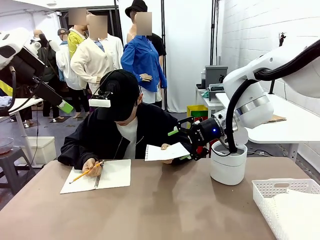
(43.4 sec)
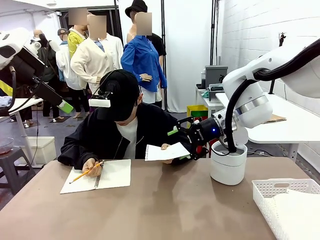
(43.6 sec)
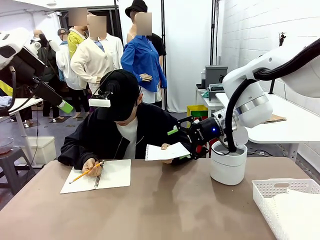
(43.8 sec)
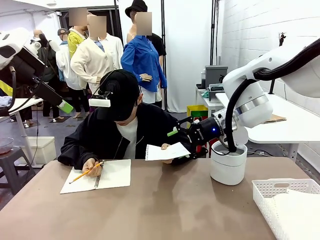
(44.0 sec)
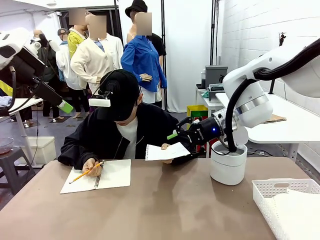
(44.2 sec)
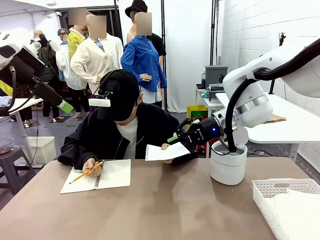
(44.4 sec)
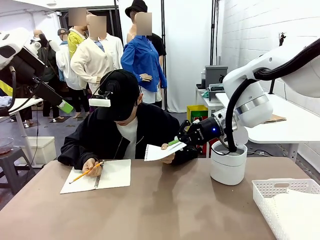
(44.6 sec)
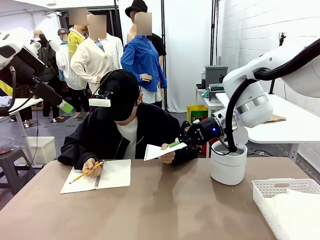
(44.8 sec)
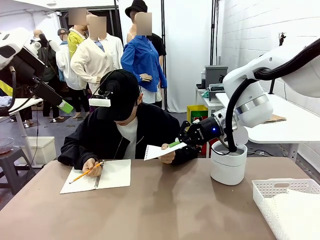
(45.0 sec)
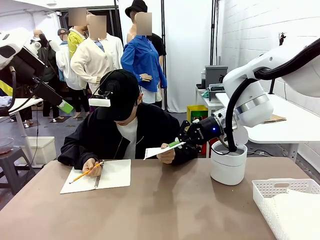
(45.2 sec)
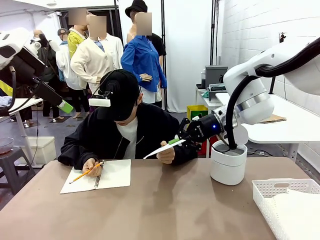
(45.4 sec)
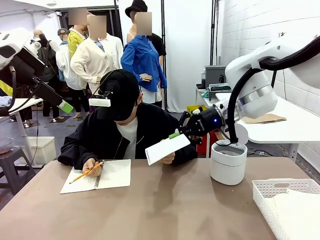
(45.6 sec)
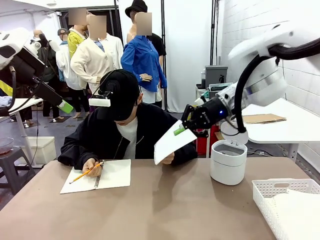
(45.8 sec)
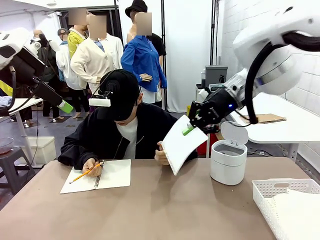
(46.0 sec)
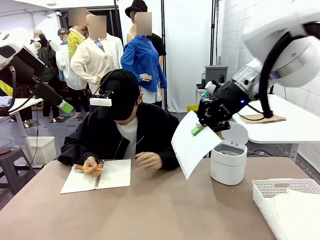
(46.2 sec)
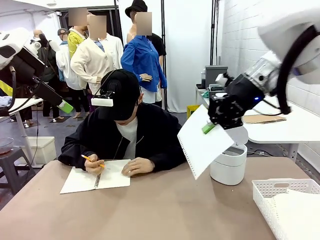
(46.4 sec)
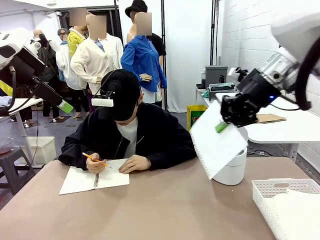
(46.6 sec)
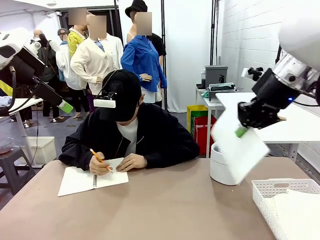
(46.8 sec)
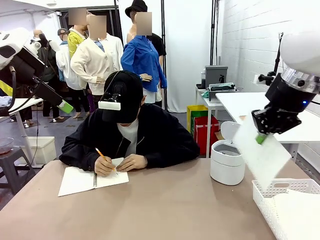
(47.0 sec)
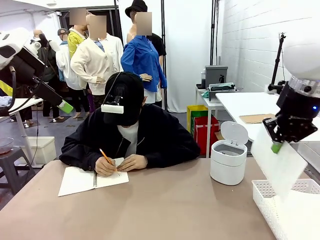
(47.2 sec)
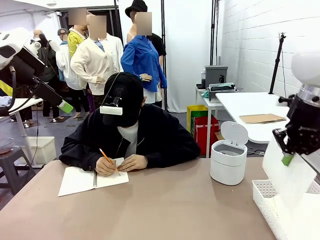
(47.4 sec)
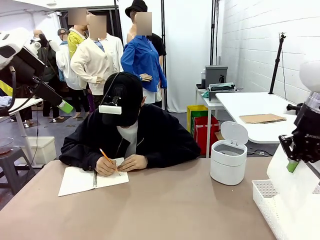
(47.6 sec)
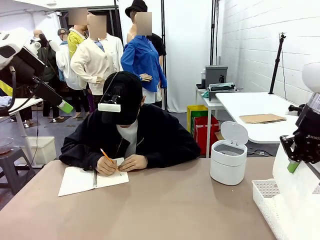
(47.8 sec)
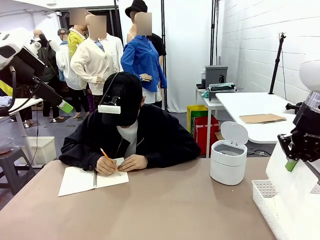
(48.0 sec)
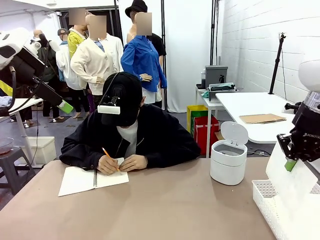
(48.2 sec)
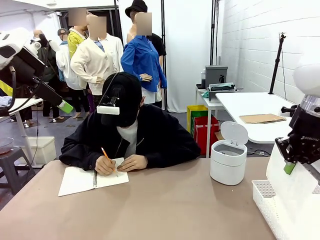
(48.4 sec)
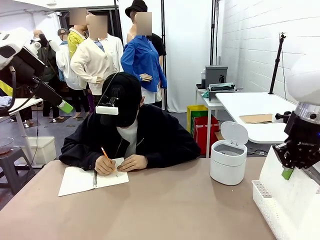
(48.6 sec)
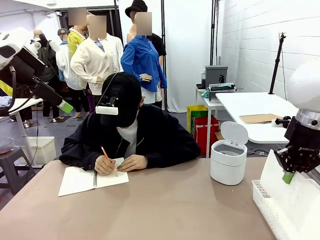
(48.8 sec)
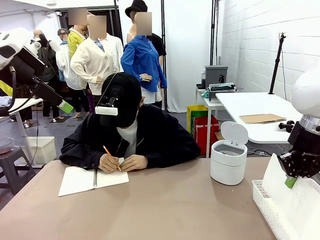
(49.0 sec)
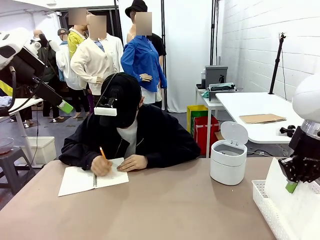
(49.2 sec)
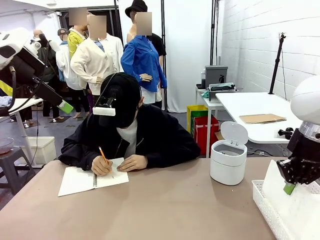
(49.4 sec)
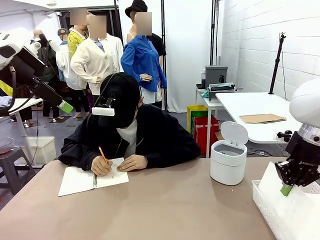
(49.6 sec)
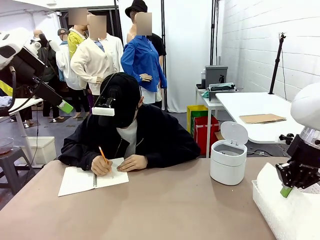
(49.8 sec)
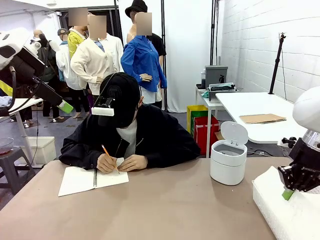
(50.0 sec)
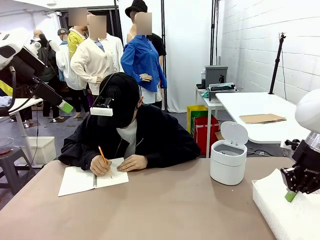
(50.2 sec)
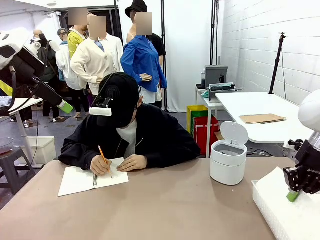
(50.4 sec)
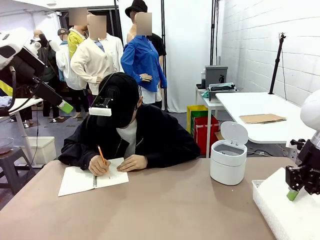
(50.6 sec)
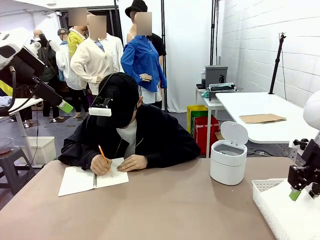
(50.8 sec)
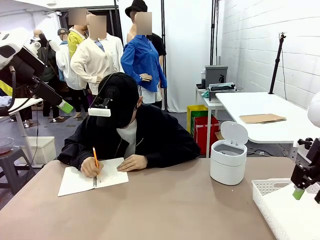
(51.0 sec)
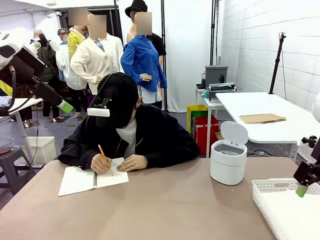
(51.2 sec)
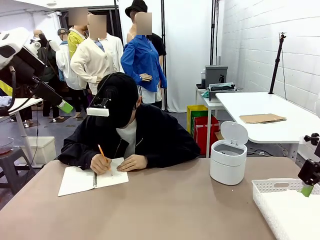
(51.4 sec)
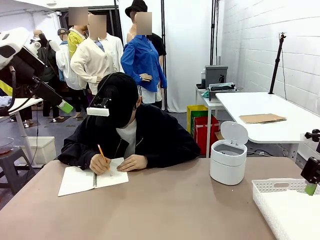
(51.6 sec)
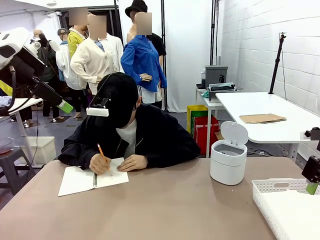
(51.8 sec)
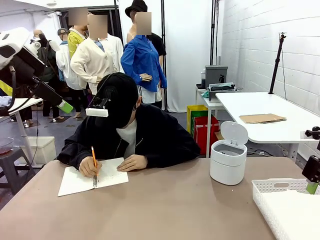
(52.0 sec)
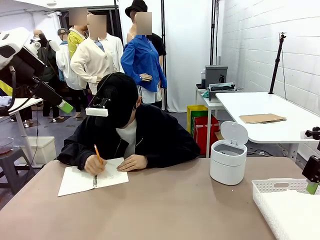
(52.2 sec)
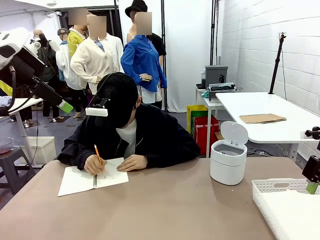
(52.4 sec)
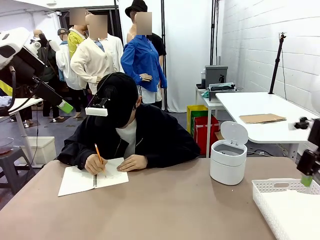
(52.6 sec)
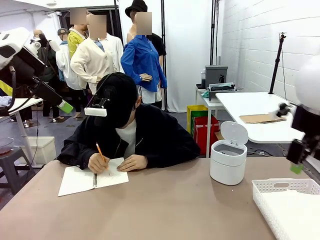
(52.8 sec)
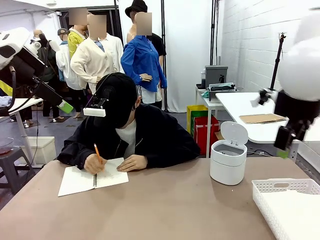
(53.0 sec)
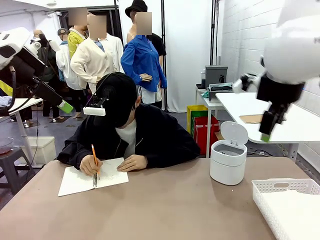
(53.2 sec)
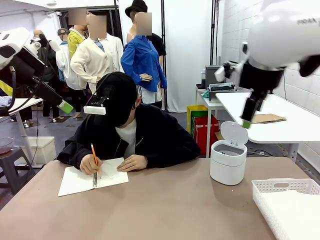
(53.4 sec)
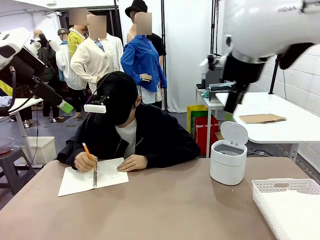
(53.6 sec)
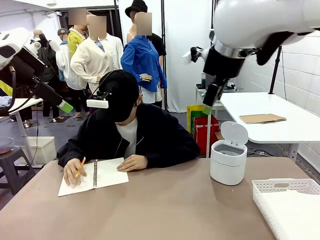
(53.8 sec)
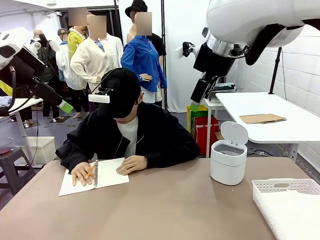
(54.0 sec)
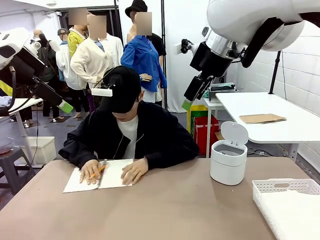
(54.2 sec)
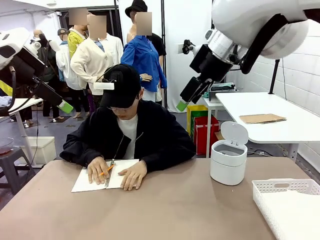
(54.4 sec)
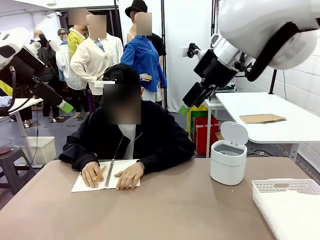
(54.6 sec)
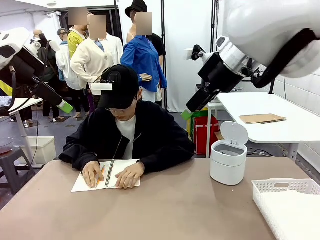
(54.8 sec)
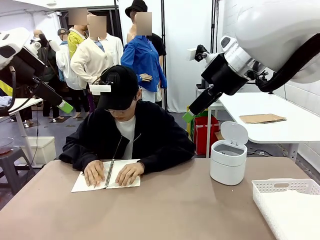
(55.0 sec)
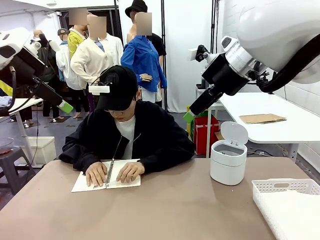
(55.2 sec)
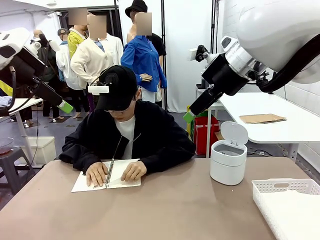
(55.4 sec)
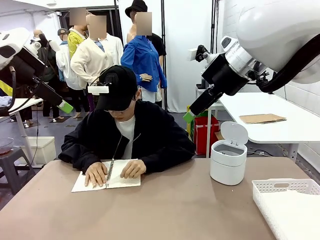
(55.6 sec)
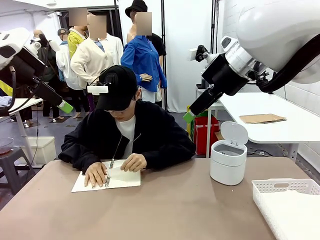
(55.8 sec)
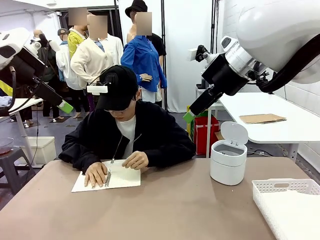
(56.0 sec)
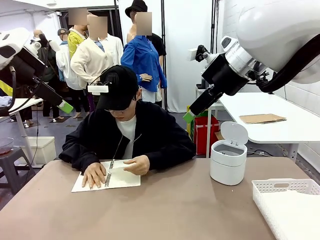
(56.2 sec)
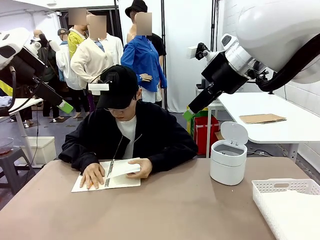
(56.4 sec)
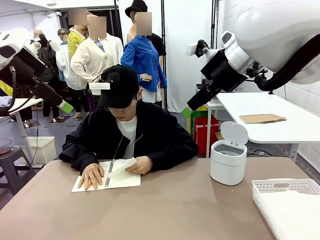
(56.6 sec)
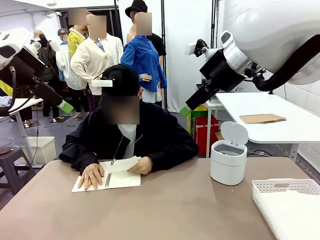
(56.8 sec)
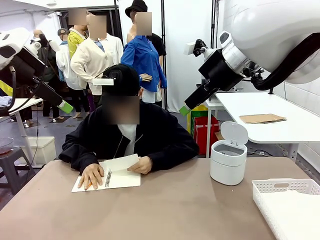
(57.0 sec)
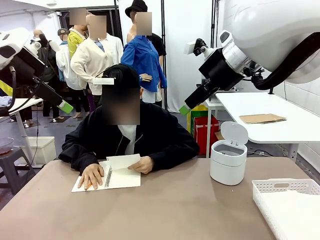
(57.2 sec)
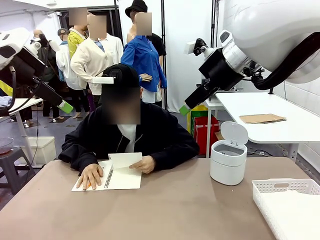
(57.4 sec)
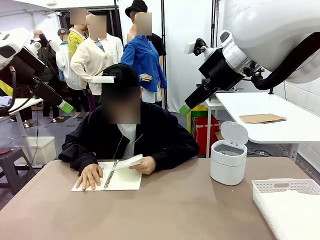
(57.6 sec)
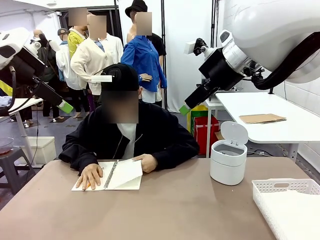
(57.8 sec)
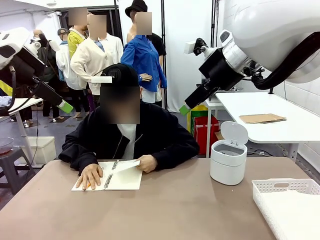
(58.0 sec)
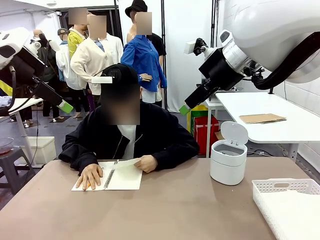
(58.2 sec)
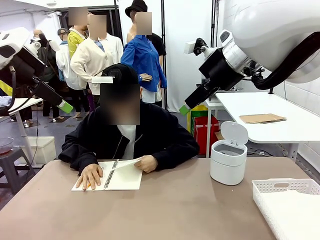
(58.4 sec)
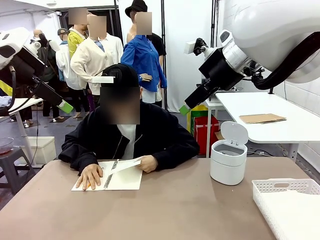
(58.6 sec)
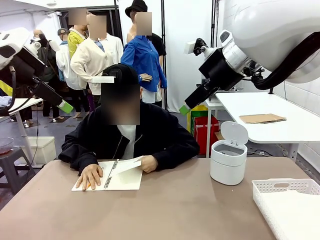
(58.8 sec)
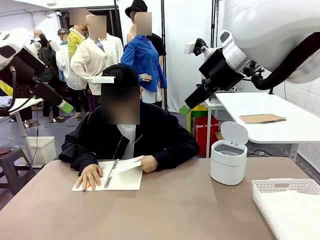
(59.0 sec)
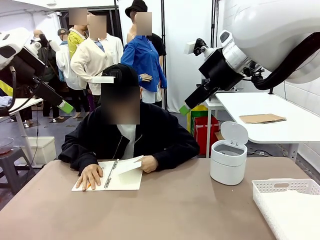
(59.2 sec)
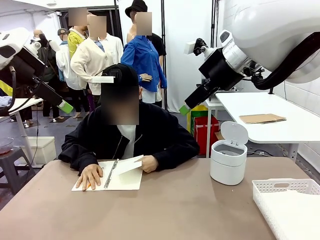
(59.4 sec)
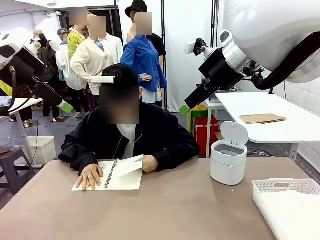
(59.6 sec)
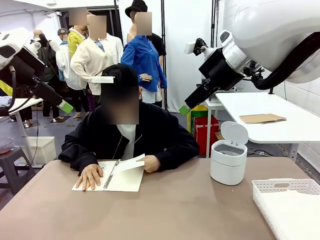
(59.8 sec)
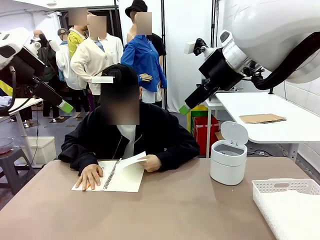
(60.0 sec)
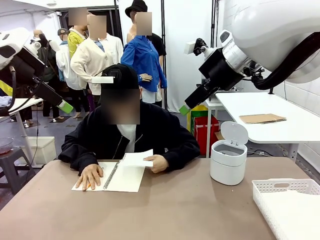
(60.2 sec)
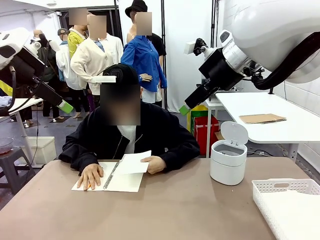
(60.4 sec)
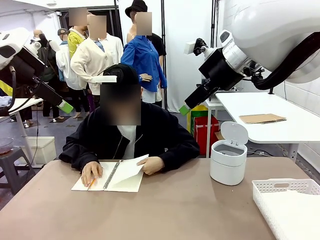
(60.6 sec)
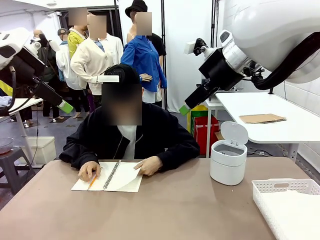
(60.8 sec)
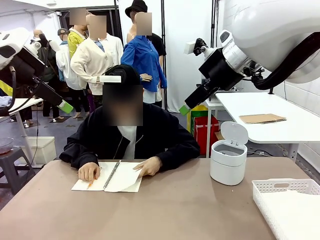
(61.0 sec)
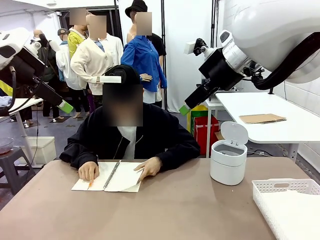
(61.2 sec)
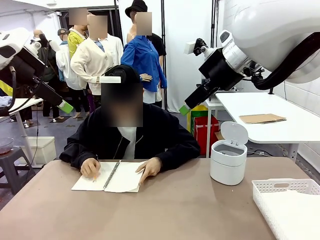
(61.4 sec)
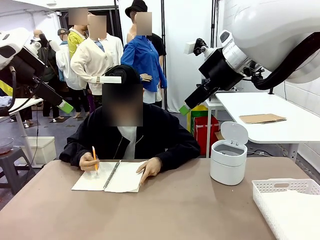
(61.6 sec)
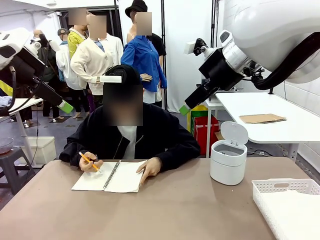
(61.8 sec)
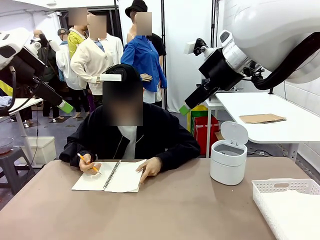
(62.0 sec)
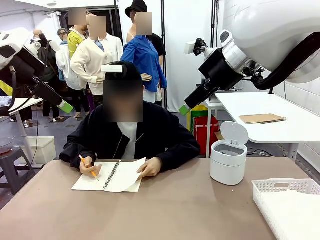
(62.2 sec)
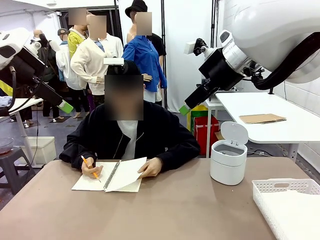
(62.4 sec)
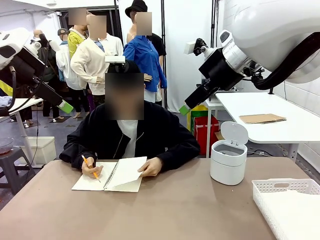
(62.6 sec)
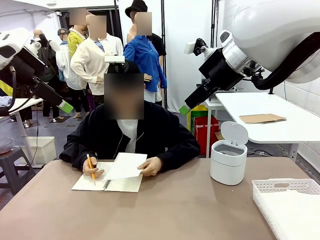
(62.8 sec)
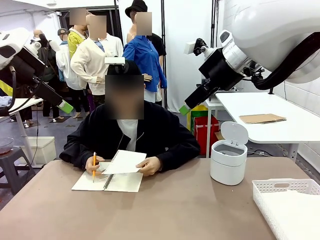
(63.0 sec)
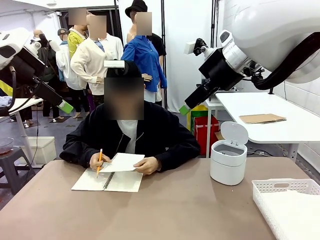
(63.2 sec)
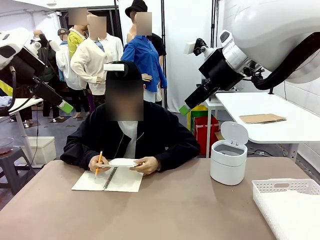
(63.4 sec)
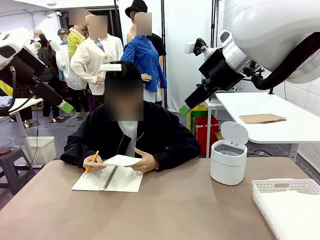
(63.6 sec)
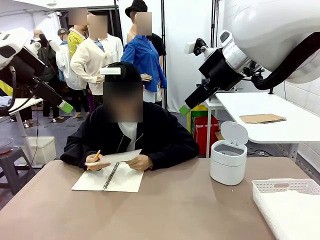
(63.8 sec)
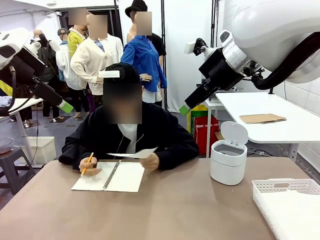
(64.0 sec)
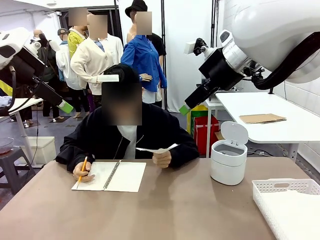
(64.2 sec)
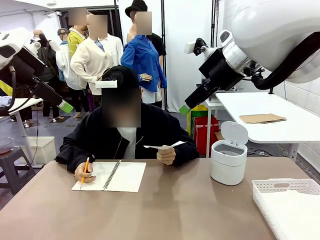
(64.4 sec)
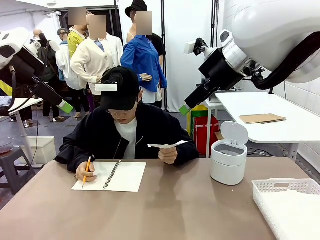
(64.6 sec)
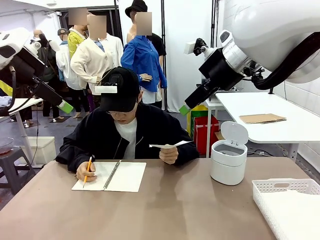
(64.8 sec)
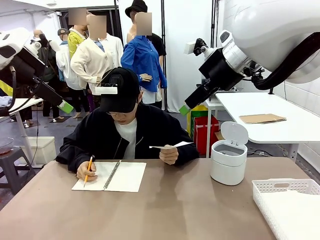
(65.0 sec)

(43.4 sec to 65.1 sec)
Task: Sort the paper based on its condition.
Robot: If a person hands you a paper, place it in the Organizing basket , and if it's crumpled, put it in the Trash can.
Person: Tear out a page from the spiral notebook.
